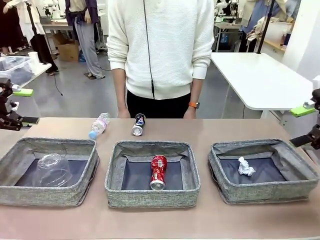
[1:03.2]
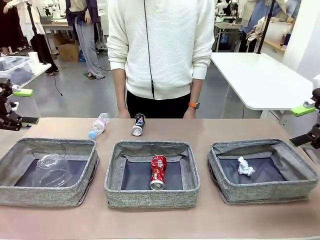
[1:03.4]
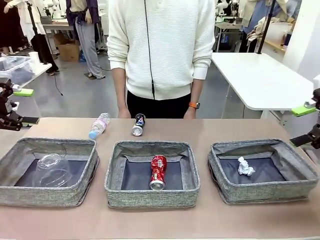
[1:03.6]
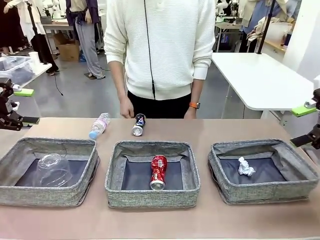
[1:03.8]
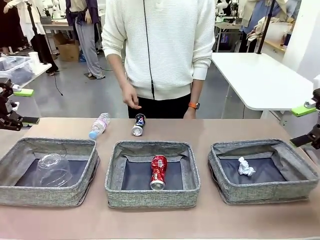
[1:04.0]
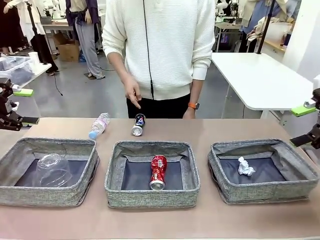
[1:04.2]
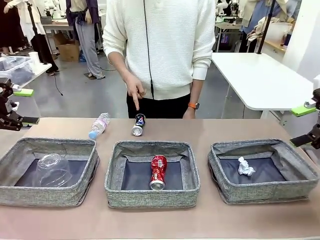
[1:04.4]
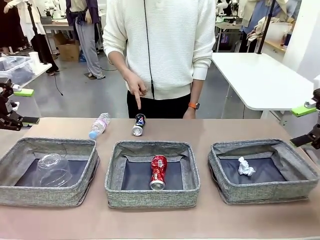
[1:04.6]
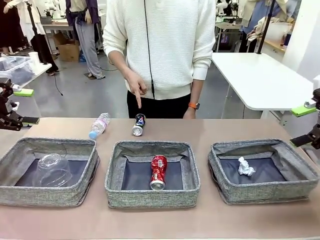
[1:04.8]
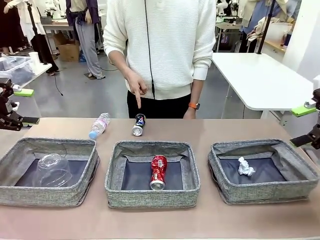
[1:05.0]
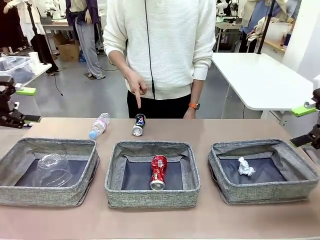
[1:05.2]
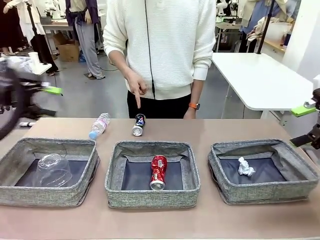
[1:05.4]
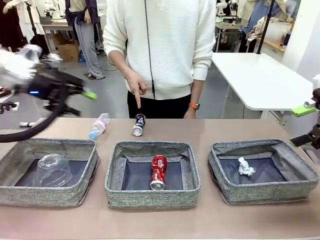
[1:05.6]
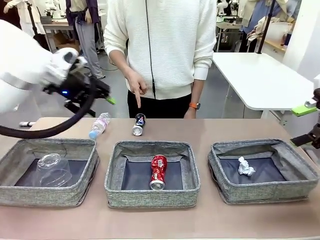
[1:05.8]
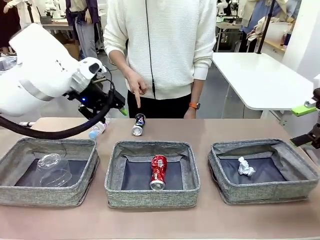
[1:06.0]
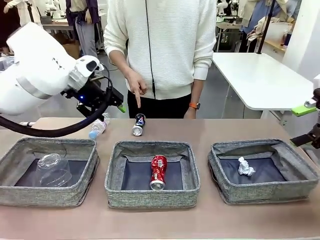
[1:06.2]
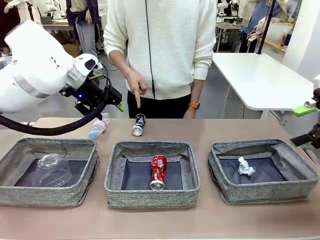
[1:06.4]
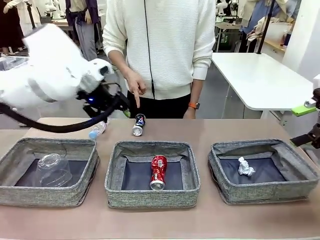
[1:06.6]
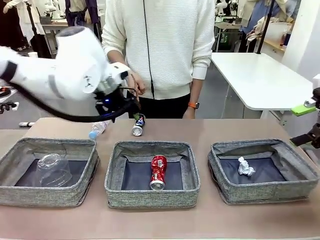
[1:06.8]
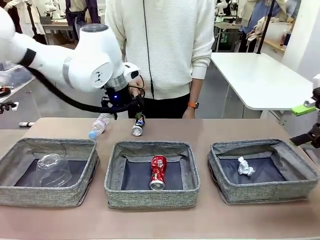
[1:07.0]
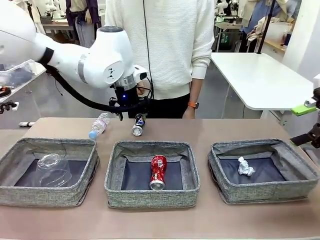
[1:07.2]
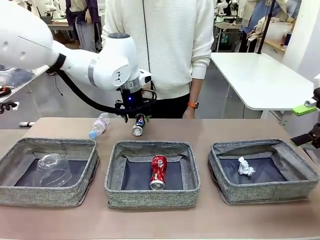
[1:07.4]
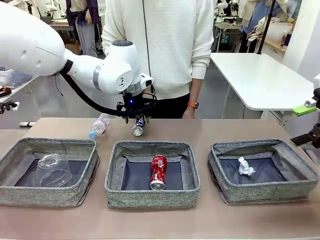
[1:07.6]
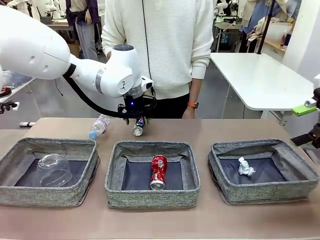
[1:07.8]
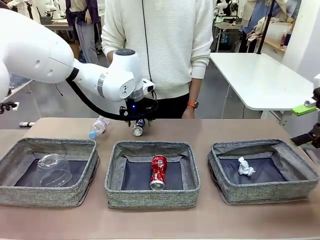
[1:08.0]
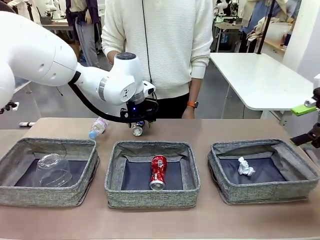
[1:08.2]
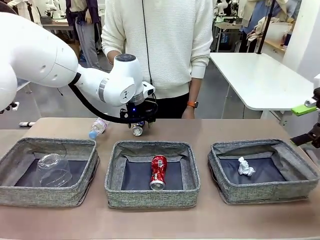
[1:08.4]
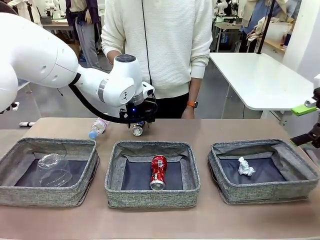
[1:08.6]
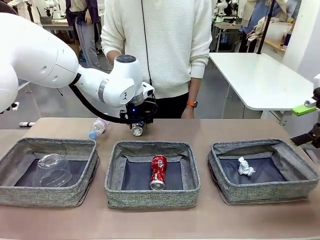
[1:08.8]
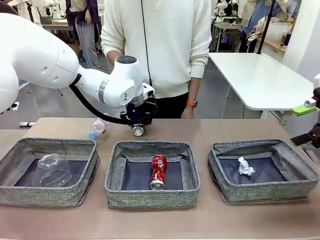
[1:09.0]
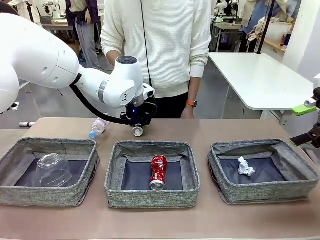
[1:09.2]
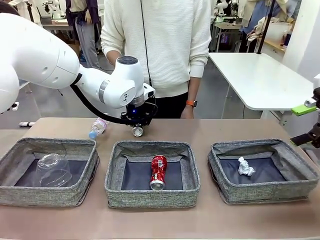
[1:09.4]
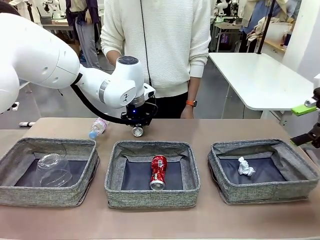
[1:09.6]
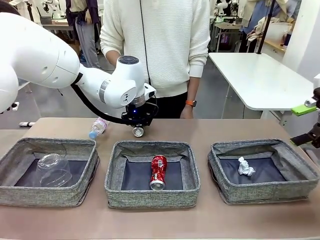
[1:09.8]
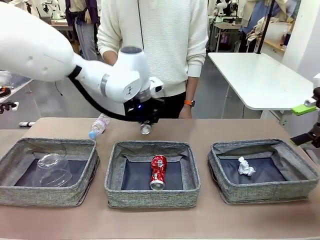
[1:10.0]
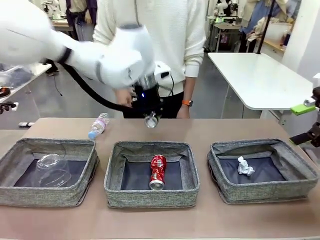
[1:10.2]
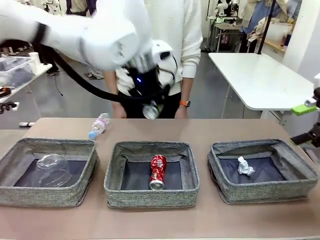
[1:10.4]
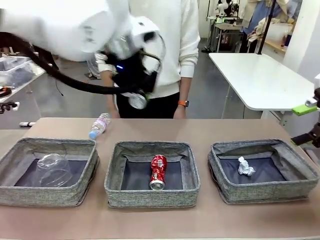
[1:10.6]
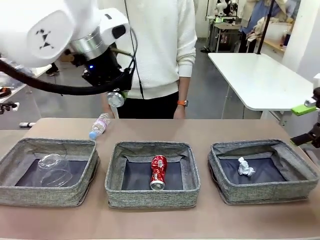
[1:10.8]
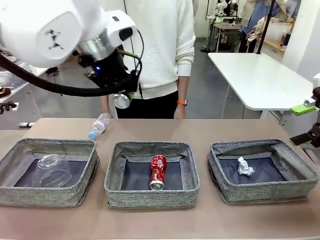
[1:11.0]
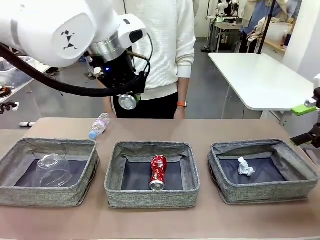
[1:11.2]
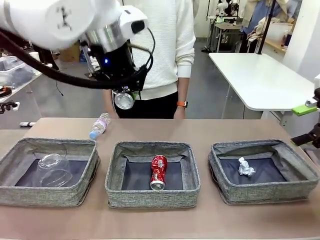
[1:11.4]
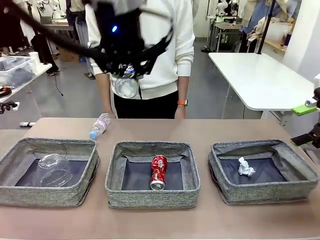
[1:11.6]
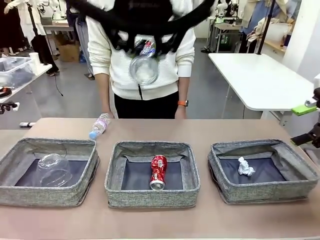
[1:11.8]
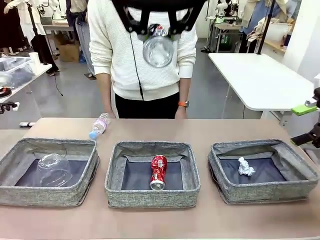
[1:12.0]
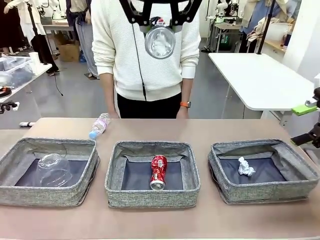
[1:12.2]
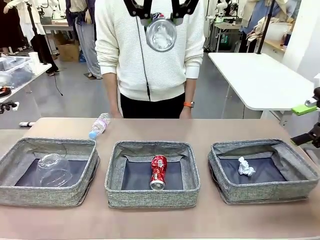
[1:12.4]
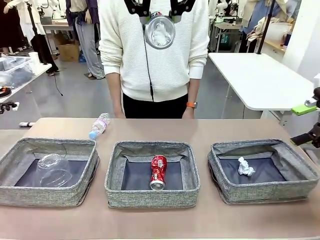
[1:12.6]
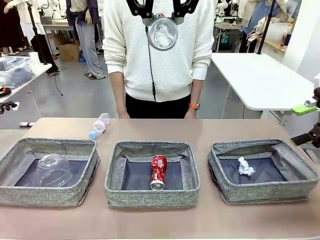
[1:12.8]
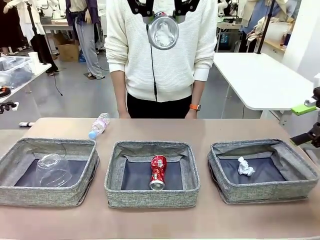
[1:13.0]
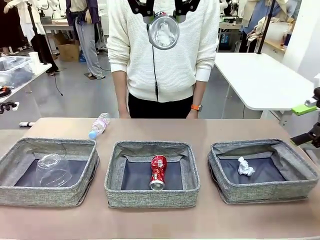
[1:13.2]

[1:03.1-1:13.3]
Task: Sort the waste into the appropriate baskets.
Robot: Pick up the waste item pointed out by the person.
Person: Points to one piece of trash on the table.

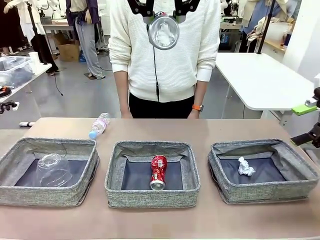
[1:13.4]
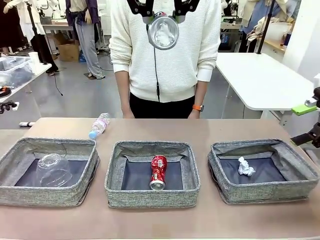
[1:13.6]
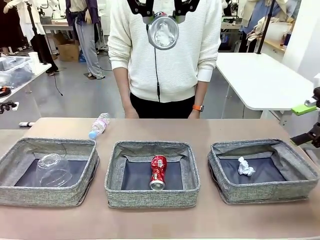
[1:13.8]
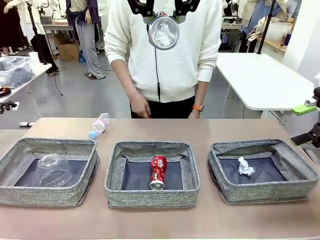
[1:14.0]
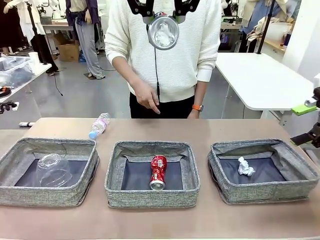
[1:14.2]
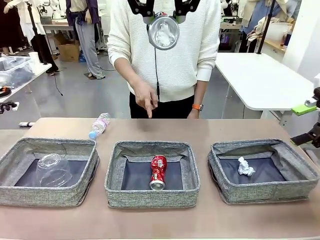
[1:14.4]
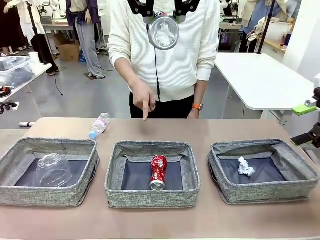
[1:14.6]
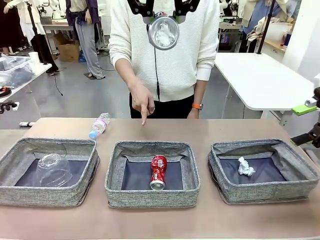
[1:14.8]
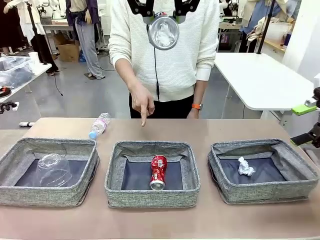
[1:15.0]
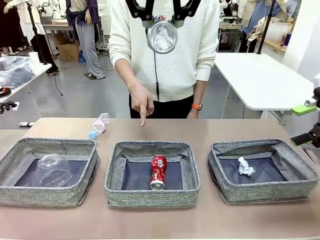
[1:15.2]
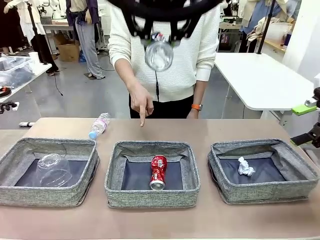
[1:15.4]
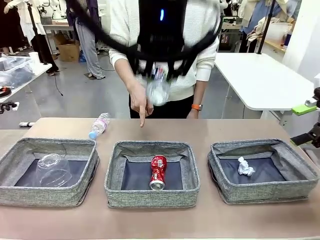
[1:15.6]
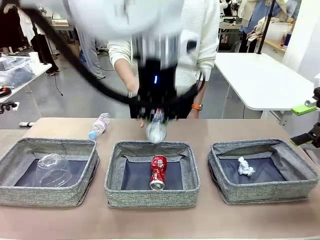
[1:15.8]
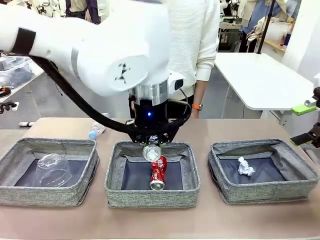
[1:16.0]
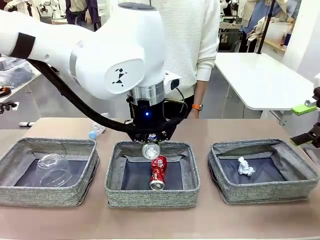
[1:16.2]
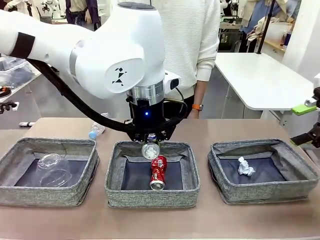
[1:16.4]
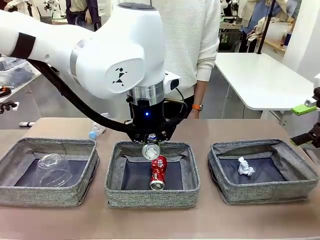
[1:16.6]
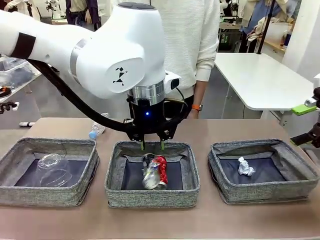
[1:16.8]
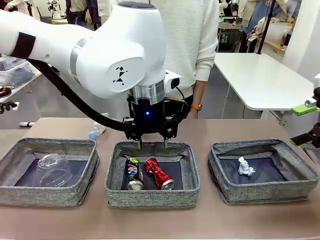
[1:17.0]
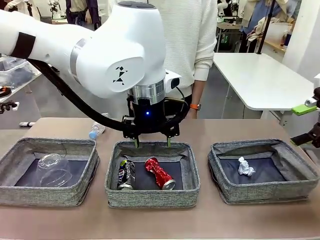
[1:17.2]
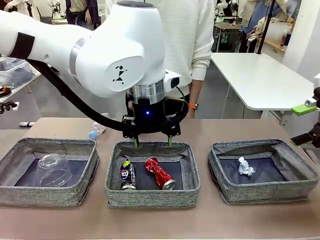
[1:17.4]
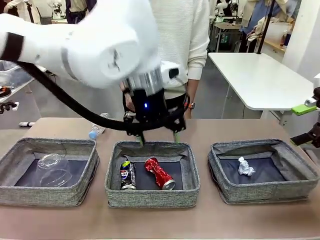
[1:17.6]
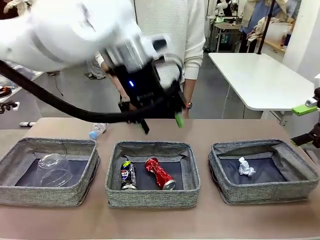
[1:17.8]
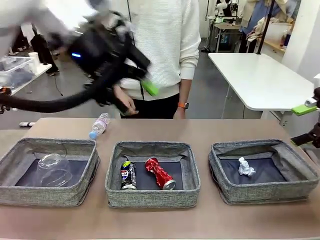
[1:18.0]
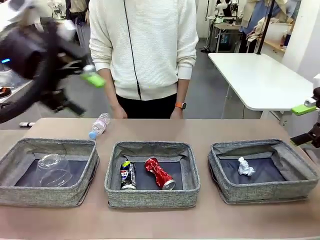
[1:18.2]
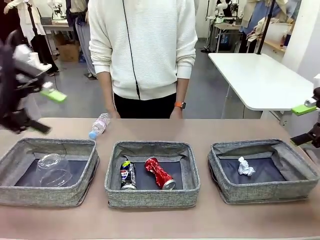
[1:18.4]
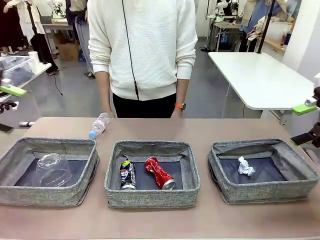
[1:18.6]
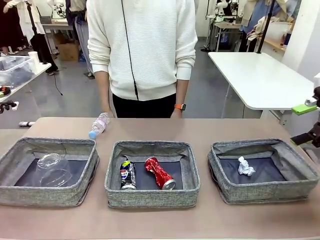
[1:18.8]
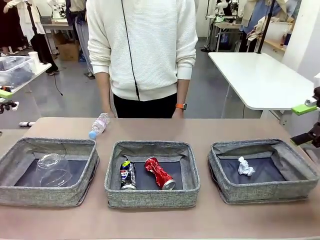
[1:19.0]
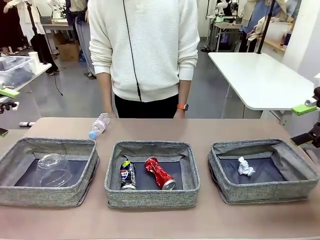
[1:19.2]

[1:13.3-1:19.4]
Robot: Place the picked waste into the Fabric basket indicated by the person.
Person: Instructs the robot to place the picked-up trash into the appropriate organizing basket.

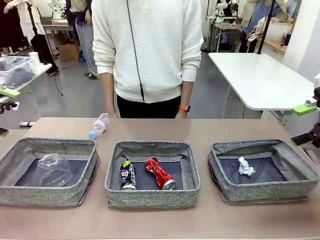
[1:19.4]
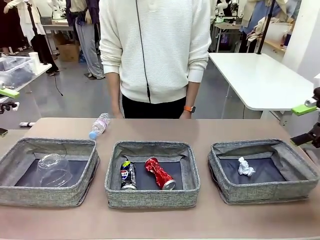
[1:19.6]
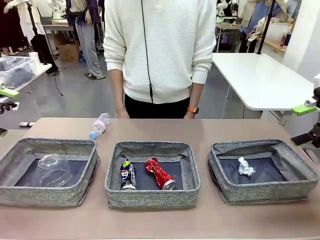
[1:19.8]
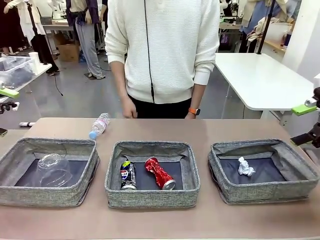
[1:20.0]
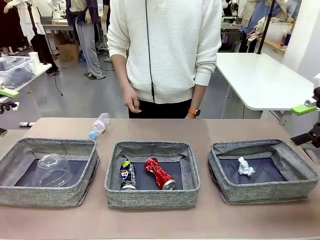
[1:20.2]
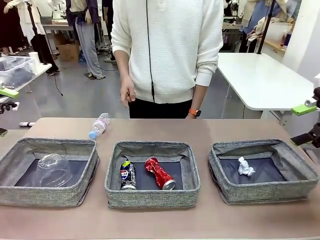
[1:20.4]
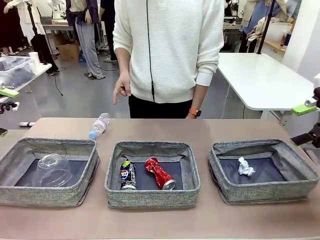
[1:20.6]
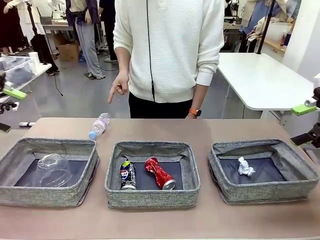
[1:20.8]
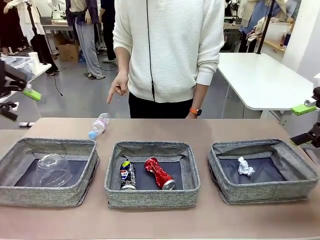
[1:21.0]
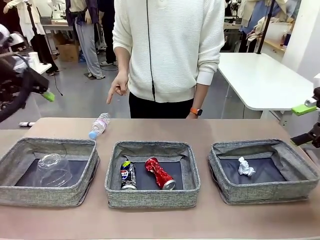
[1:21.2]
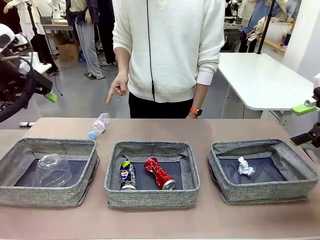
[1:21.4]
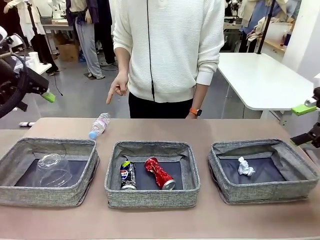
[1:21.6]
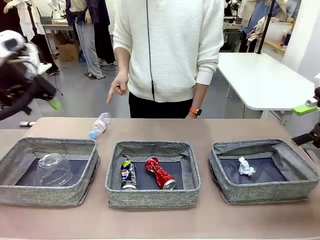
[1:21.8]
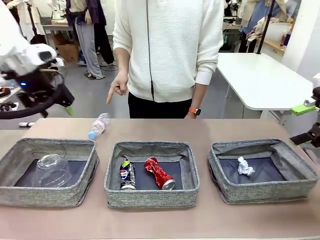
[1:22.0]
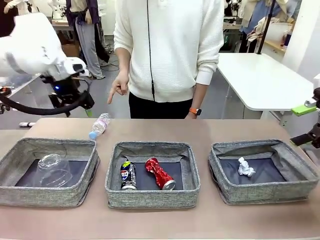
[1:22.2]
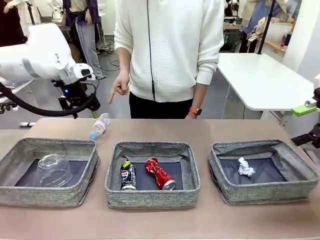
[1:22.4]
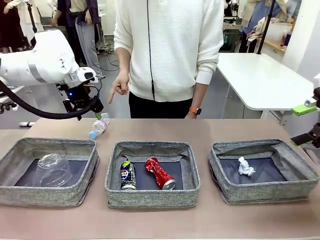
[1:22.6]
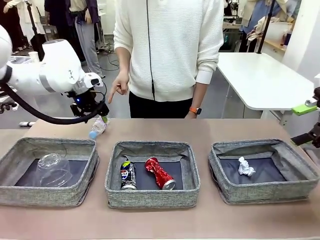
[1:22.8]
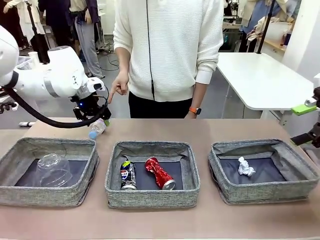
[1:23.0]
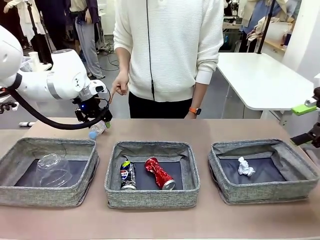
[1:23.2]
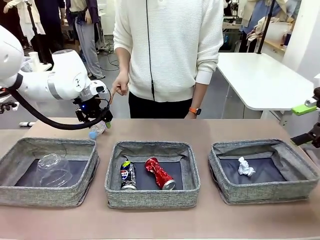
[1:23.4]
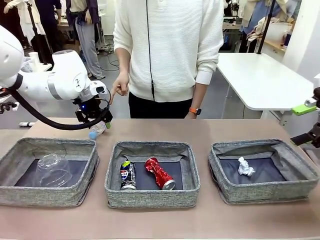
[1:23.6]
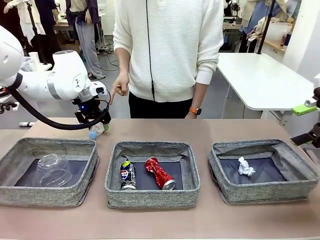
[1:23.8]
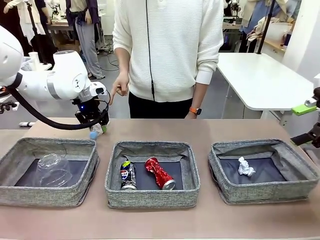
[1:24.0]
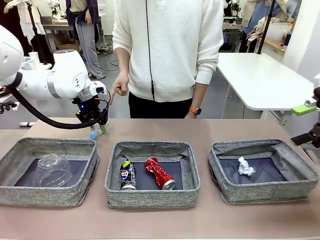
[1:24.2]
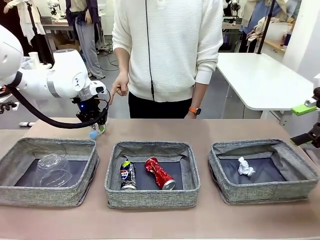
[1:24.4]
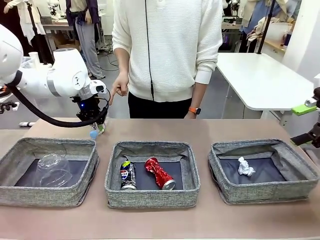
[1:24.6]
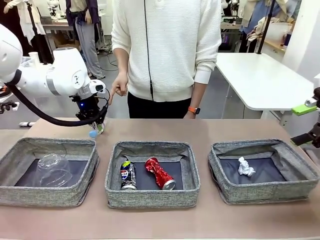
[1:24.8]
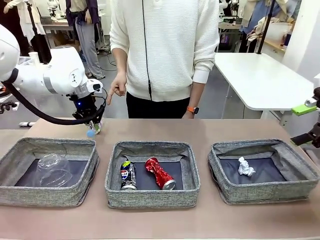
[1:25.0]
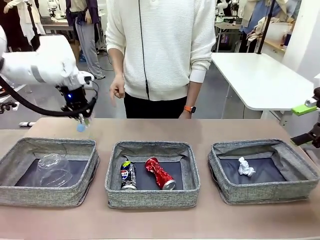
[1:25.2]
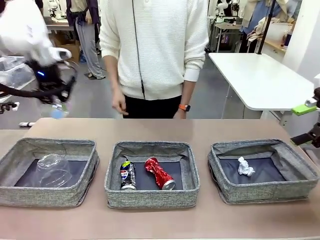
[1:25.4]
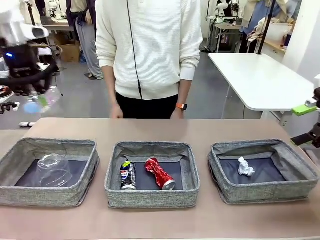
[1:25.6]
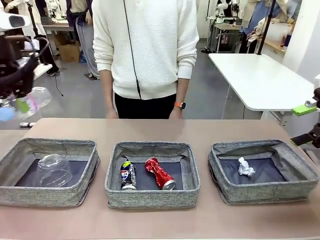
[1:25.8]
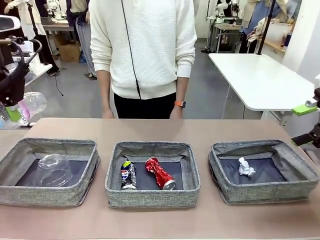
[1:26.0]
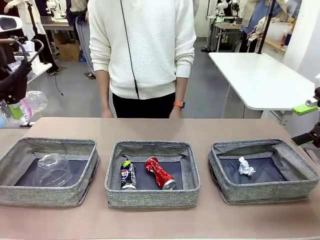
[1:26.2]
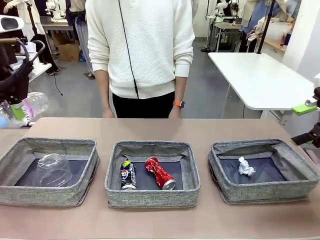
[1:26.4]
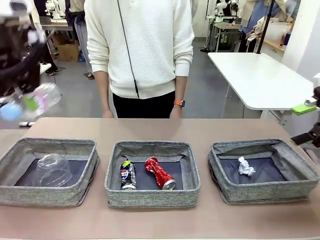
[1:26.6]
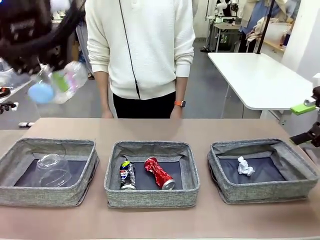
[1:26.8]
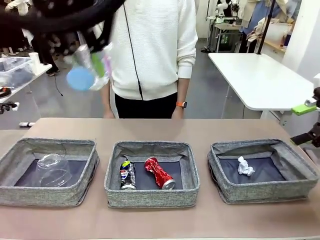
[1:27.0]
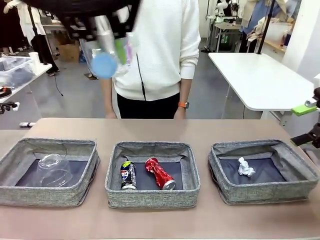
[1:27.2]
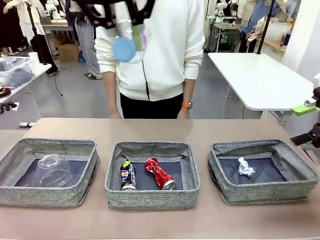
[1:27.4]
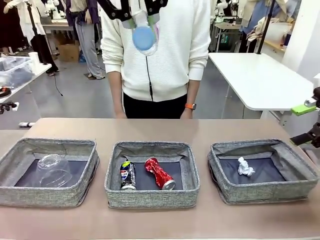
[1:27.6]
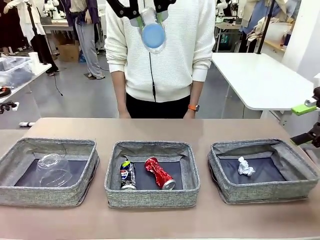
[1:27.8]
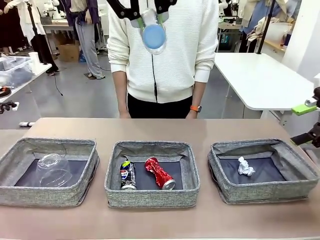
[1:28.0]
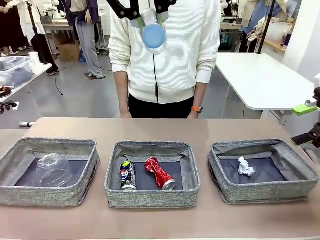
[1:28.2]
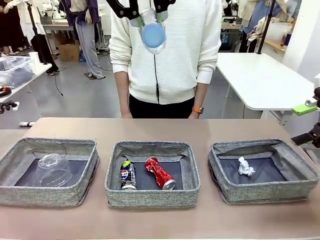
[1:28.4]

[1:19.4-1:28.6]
Robot: Pick up the waste item pointed out by the person.
Person: Points to one piece of trash on the table.
